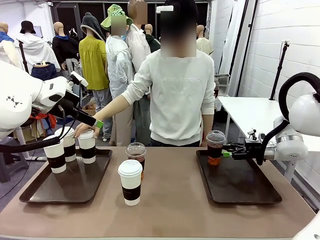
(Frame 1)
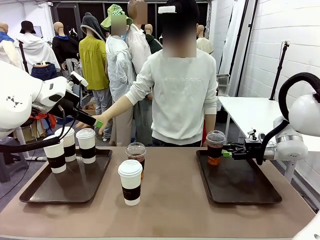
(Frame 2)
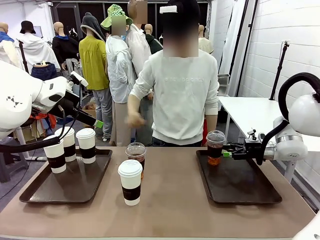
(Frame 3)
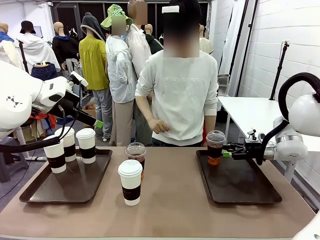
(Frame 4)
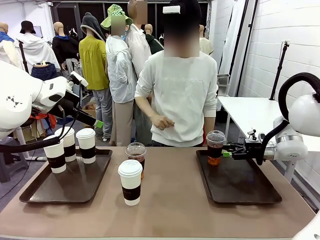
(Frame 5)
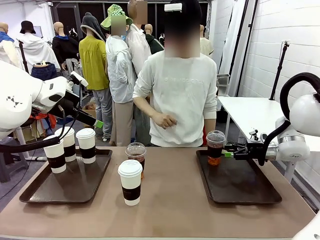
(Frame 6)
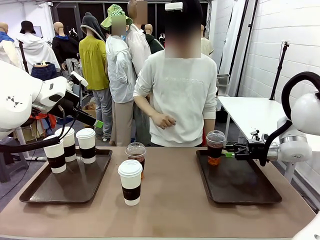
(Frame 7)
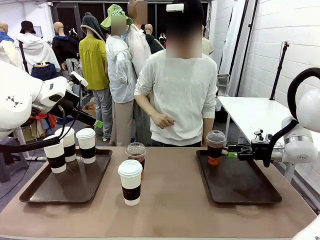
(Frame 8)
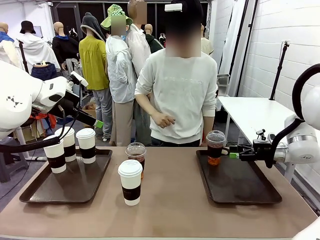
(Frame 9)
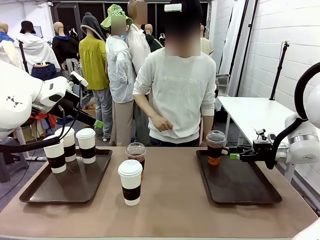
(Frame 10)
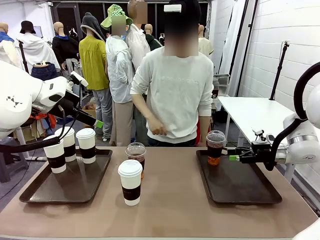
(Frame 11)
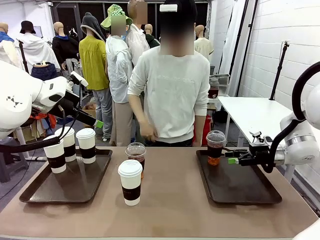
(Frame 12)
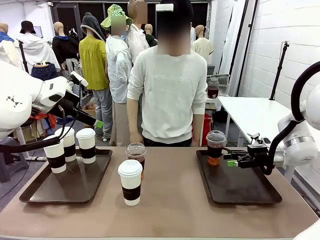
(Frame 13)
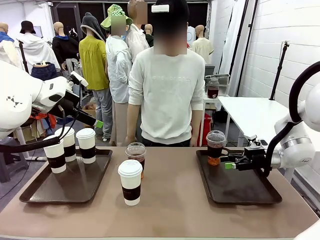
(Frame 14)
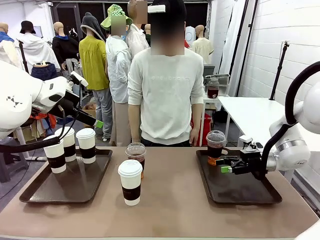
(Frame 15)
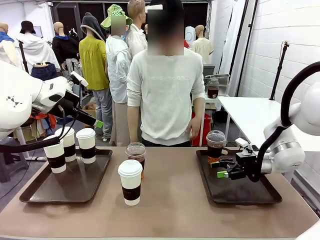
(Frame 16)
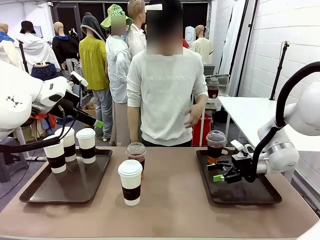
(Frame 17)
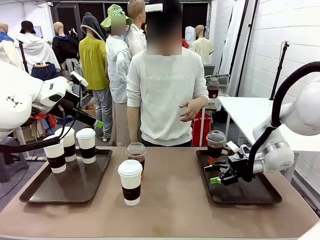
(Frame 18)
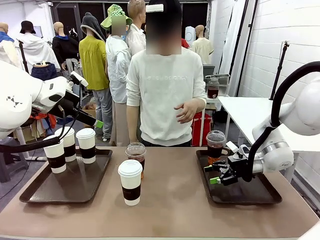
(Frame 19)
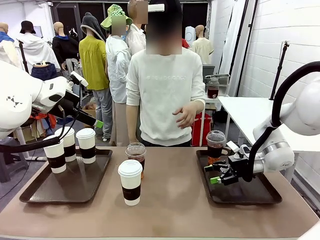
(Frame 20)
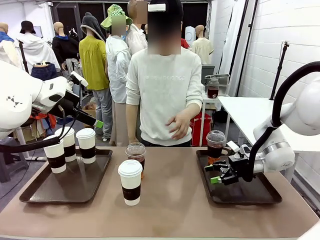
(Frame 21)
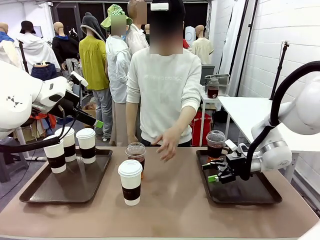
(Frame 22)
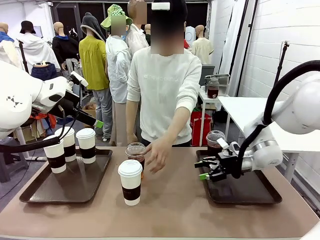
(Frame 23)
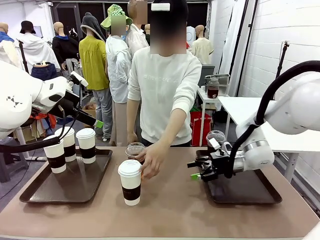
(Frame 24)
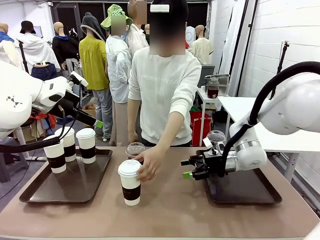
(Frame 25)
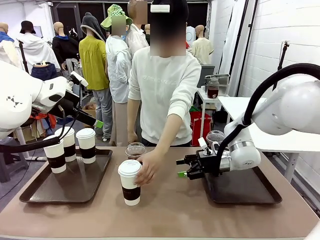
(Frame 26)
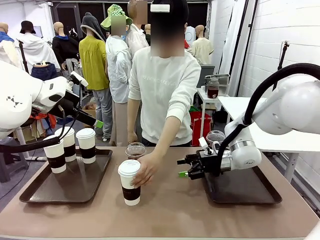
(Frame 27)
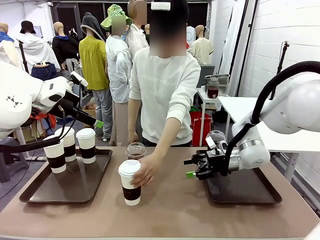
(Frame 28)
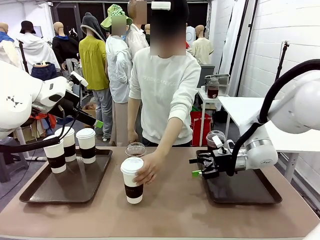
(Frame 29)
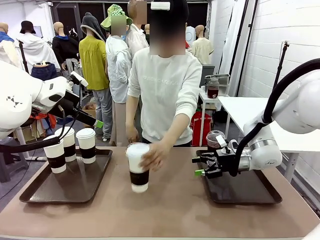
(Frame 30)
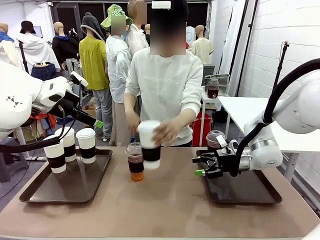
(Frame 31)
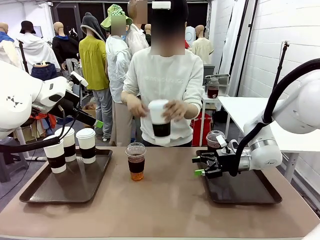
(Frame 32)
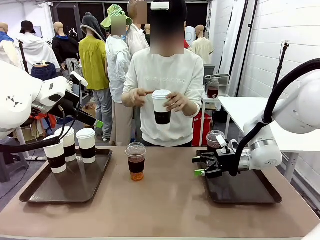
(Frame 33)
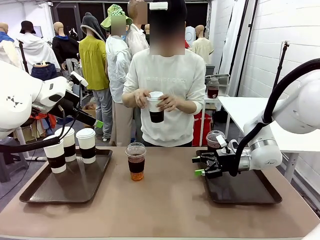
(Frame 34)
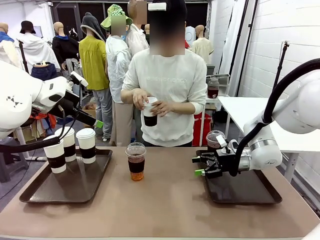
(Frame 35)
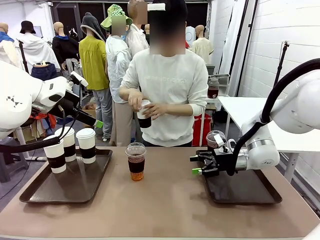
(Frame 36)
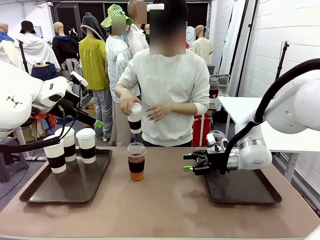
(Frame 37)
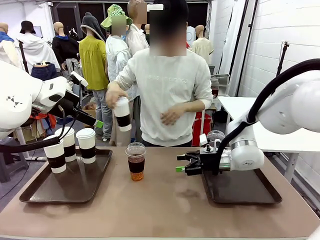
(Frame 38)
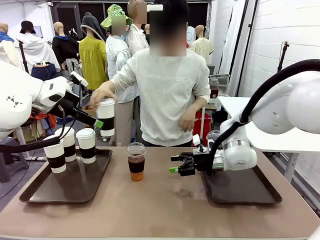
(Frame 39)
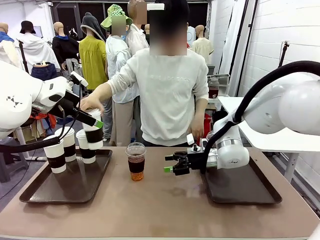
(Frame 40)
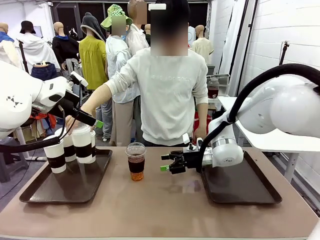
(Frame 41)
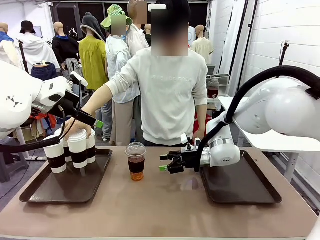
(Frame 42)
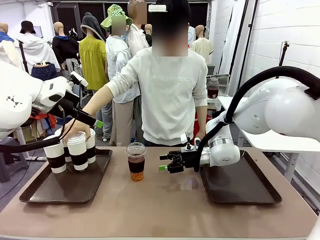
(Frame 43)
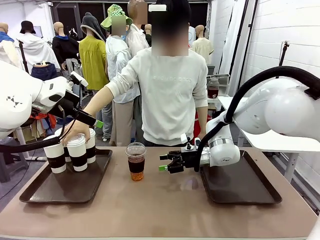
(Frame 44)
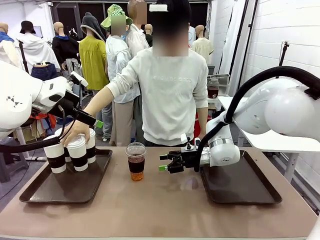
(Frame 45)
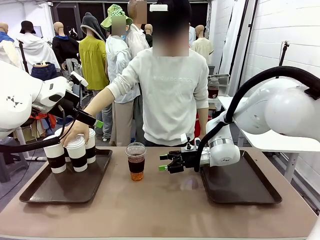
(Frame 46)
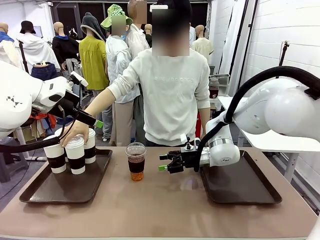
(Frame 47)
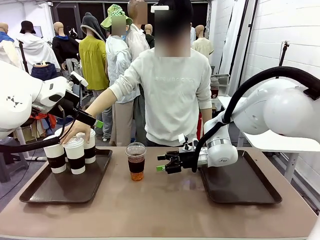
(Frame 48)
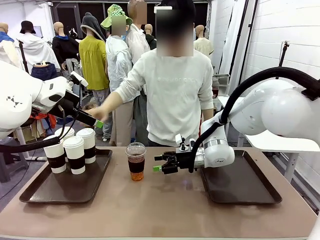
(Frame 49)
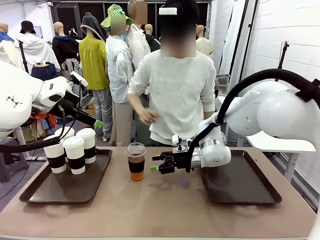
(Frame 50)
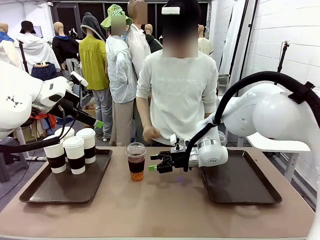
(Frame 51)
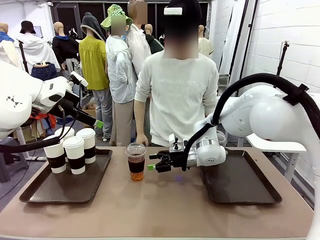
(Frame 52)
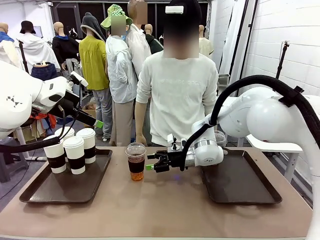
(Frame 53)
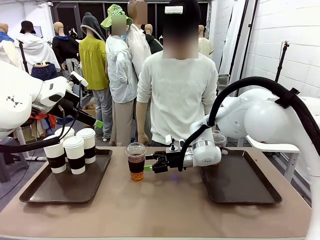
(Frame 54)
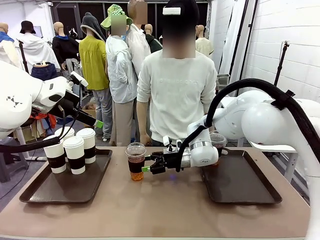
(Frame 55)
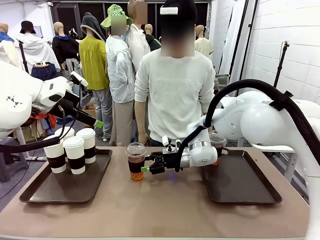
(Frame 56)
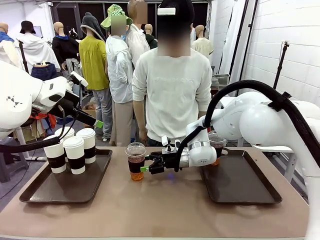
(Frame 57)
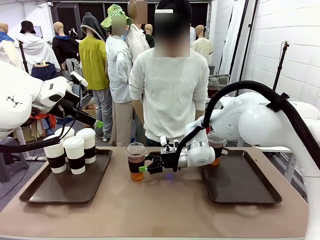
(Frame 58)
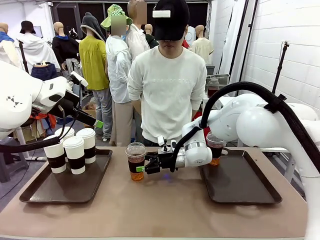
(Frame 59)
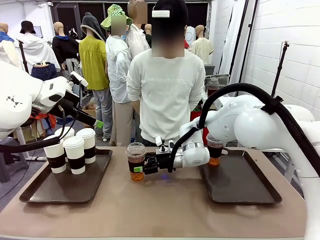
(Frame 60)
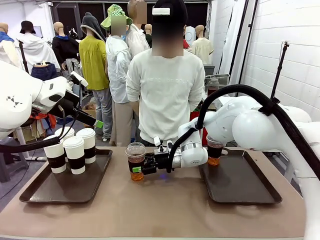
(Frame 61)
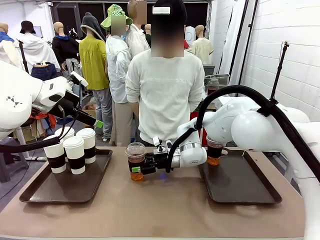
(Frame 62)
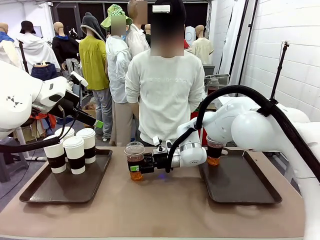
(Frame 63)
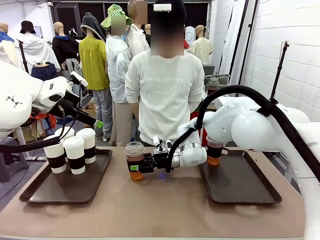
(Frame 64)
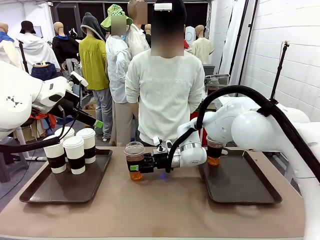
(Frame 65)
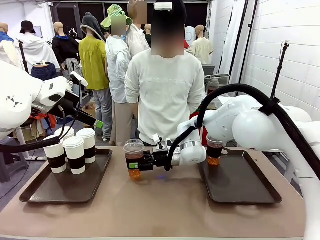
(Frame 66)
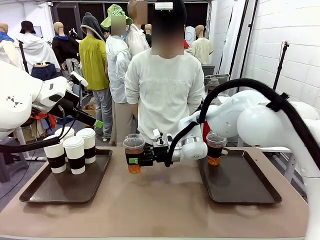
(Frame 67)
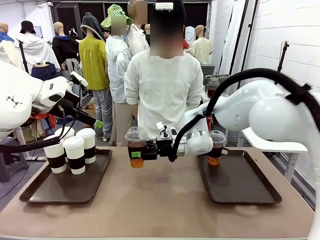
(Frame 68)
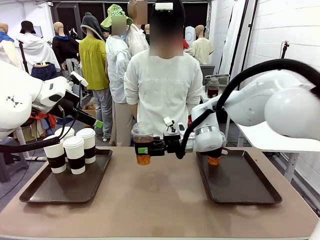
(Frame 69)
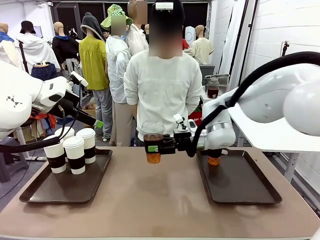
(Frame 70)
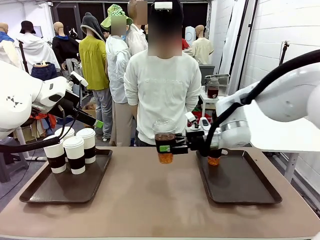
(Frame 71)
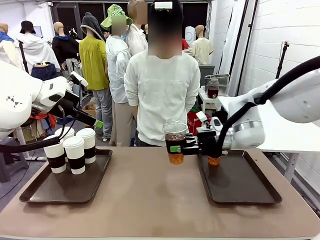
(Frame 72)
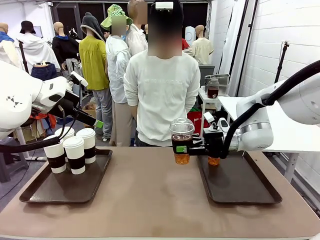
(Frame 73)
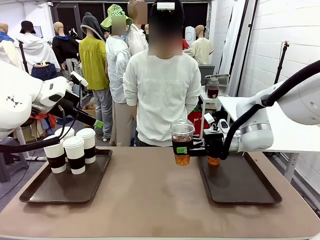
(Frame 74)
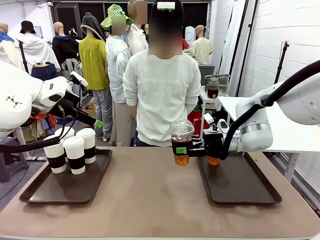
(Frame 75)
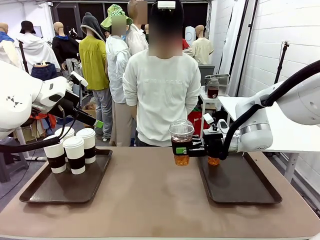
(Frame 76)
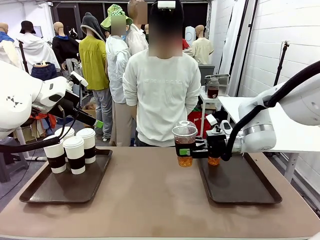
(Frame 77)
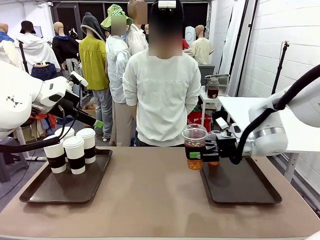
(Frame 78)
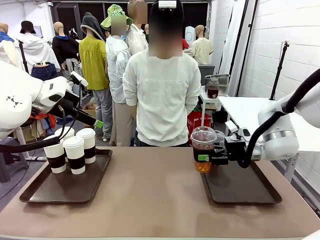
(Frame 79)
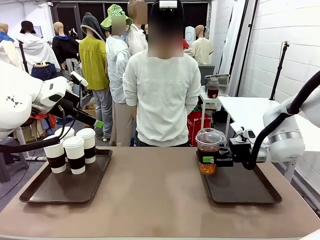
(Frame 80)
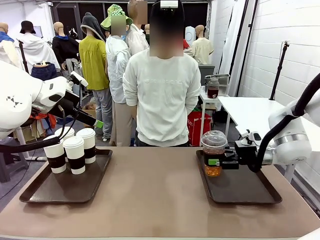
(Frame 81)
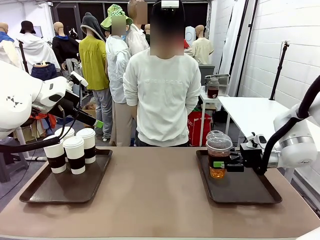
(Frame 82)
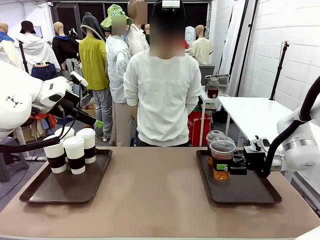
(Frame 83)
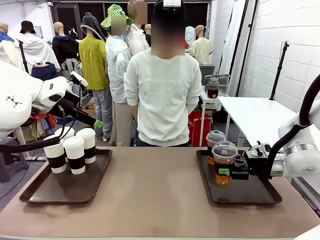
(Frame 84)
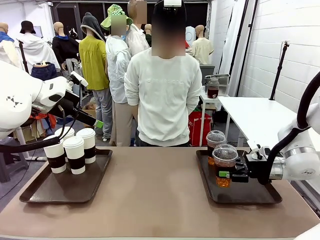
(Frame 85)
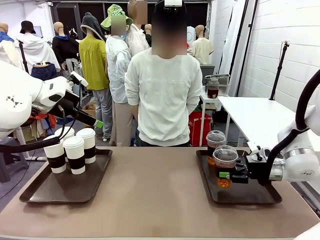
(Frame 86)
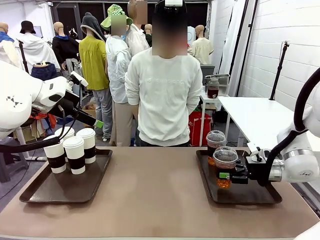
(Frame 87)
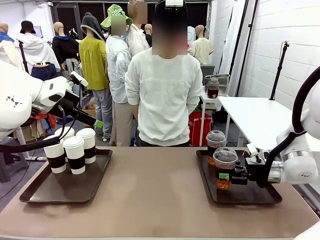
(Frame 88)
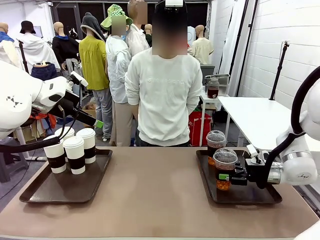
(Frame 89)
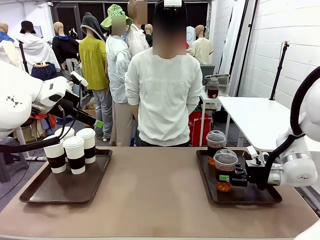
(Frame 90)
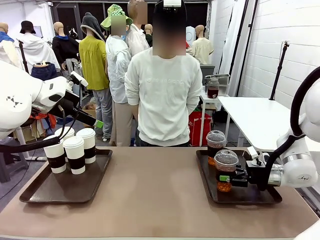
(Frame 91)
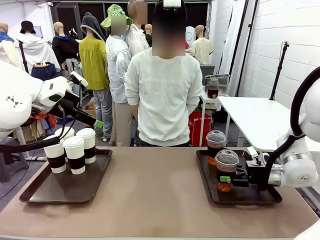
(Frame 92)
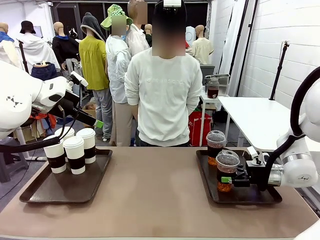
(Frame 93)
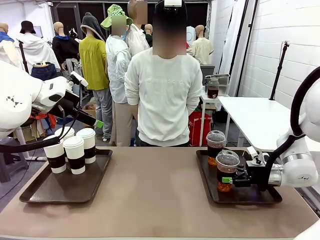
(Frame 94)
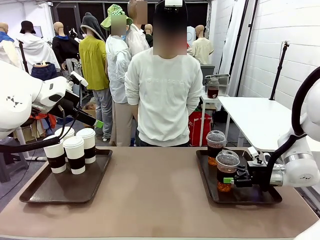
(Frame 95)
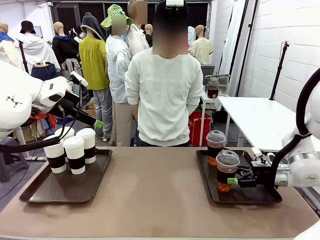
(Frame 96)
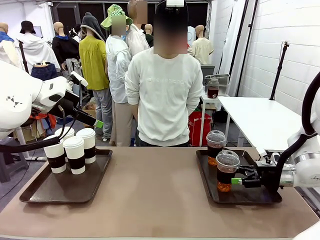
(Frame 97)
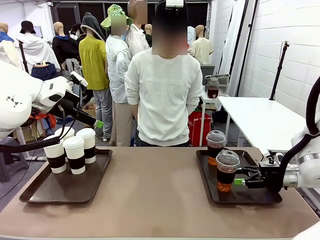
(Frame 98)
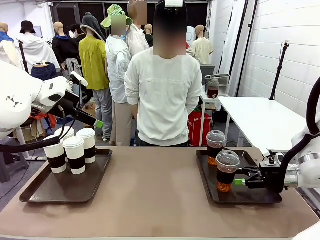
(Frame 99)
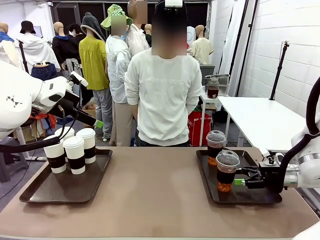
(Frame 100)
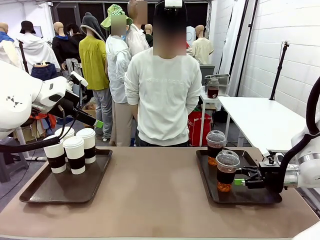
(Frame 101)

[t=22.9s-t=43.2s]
Task: Distribute the coffee onto the tray.
Robot: Pick up another iced Americano from the middle of the table and place it on the right Handle tray.
Person: Pick up a cup of hot Americano from the middle of the table and place it on the right tray.
